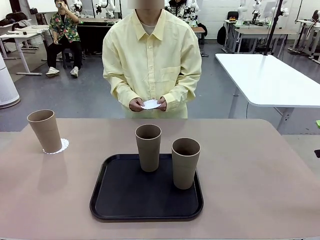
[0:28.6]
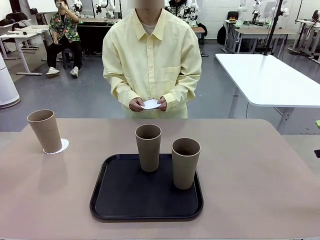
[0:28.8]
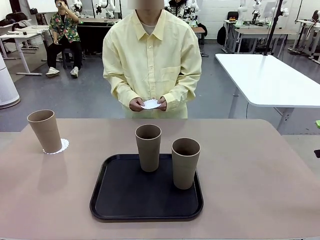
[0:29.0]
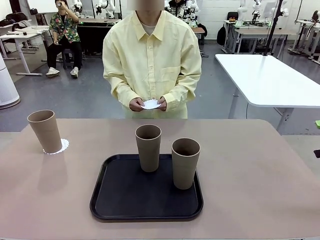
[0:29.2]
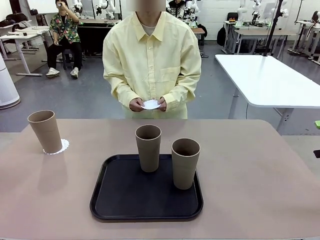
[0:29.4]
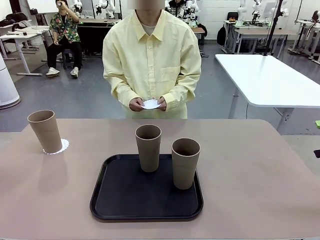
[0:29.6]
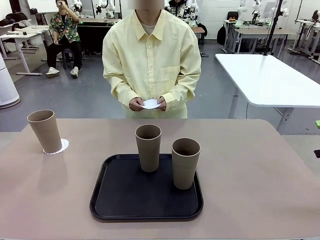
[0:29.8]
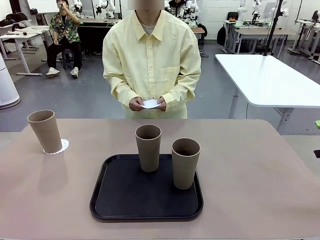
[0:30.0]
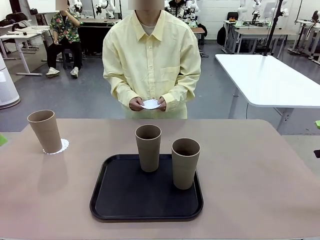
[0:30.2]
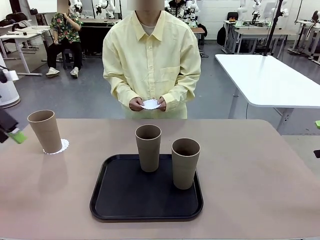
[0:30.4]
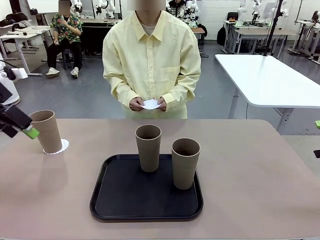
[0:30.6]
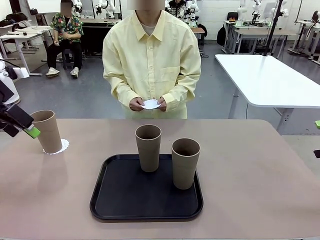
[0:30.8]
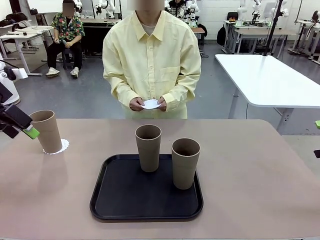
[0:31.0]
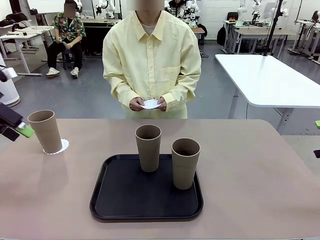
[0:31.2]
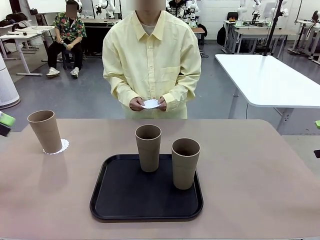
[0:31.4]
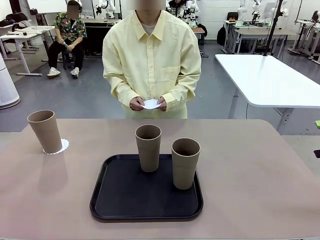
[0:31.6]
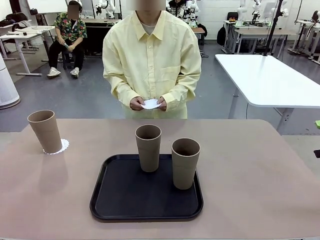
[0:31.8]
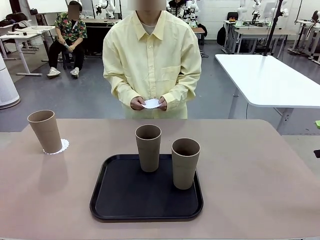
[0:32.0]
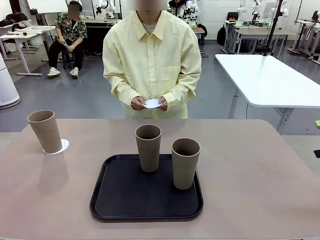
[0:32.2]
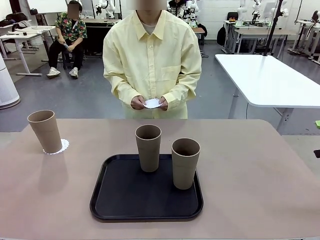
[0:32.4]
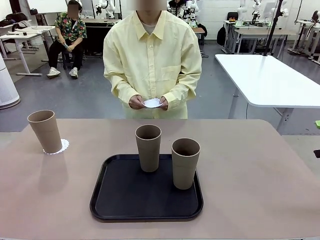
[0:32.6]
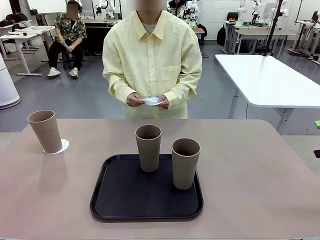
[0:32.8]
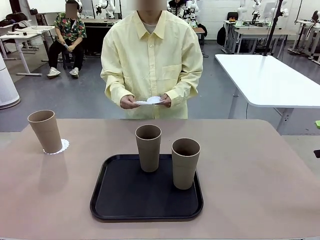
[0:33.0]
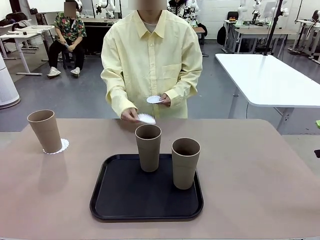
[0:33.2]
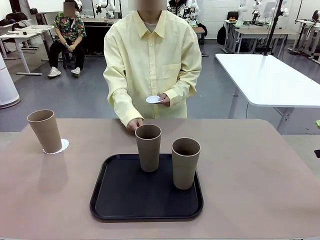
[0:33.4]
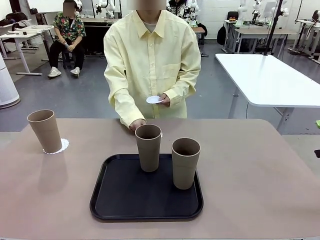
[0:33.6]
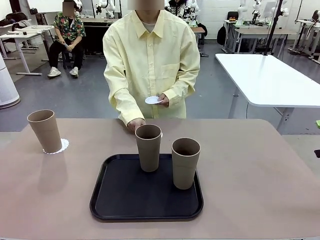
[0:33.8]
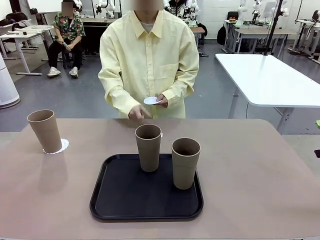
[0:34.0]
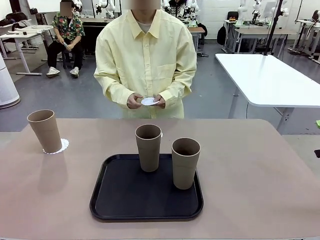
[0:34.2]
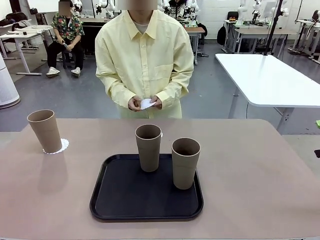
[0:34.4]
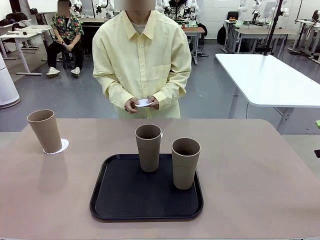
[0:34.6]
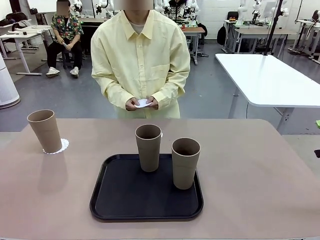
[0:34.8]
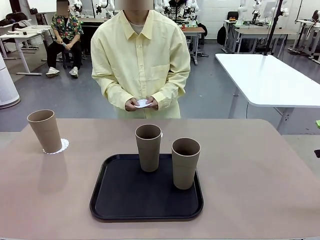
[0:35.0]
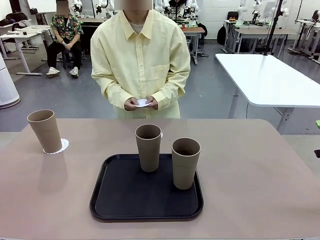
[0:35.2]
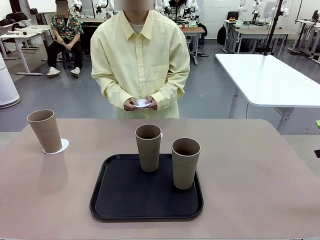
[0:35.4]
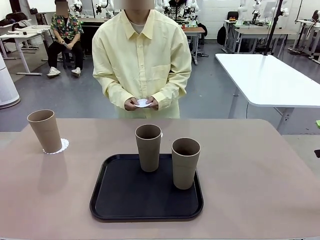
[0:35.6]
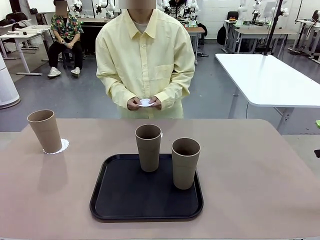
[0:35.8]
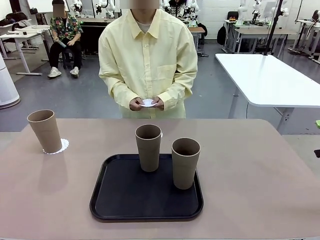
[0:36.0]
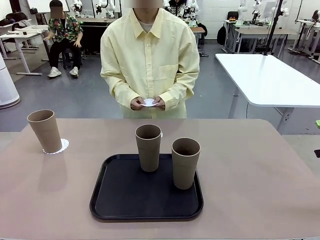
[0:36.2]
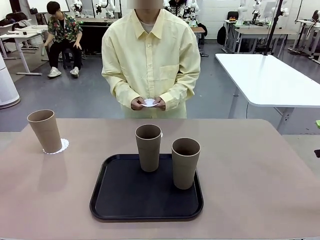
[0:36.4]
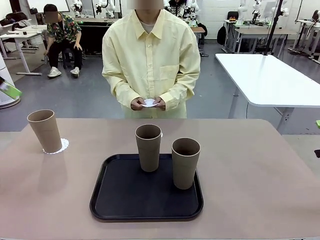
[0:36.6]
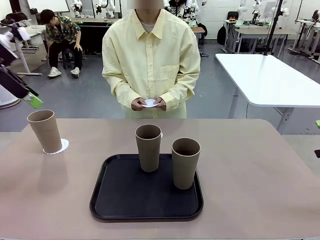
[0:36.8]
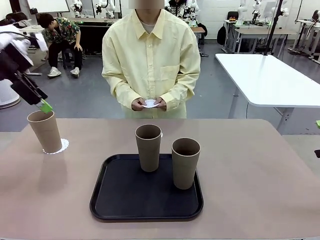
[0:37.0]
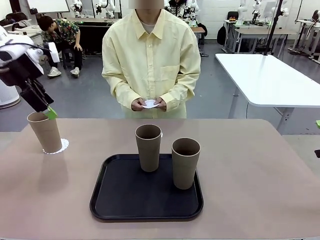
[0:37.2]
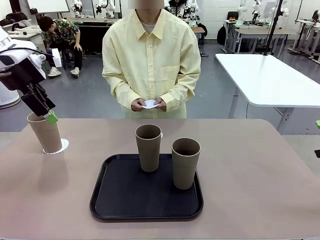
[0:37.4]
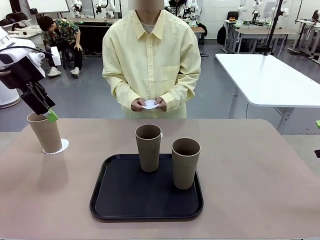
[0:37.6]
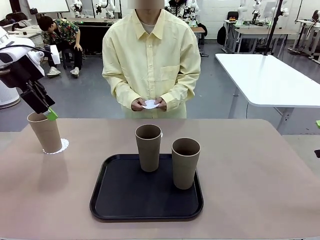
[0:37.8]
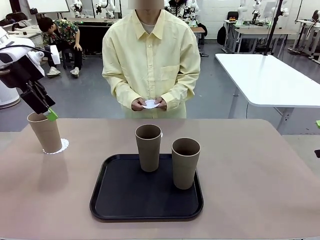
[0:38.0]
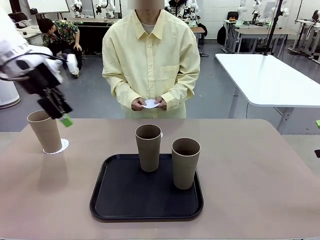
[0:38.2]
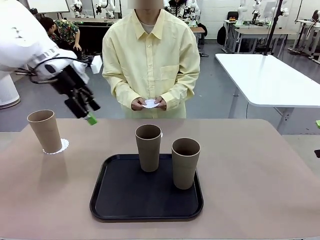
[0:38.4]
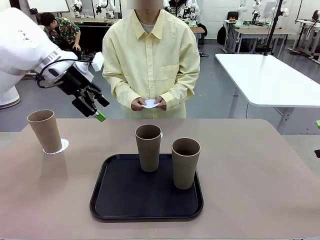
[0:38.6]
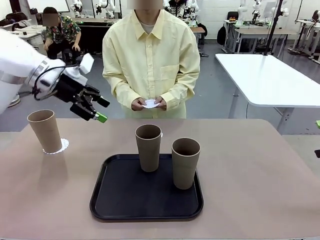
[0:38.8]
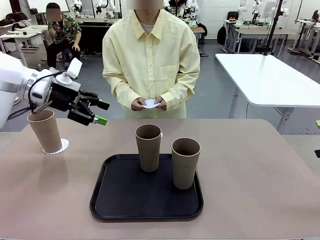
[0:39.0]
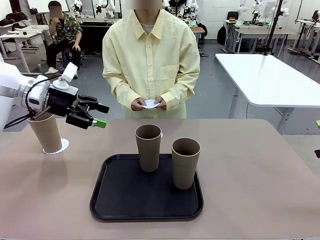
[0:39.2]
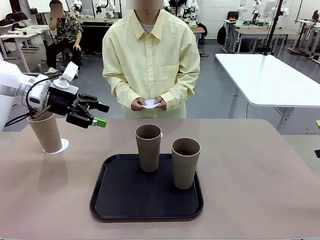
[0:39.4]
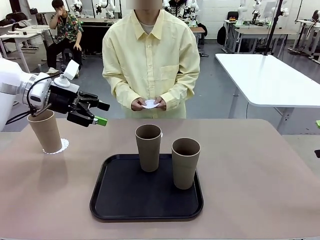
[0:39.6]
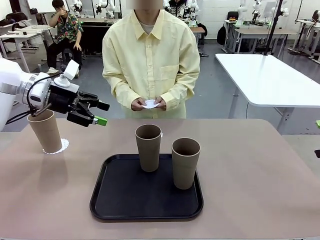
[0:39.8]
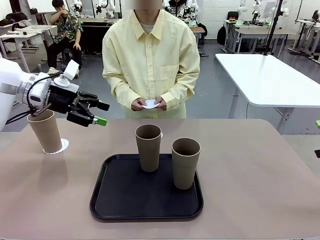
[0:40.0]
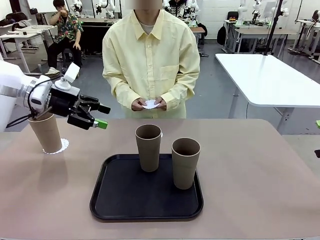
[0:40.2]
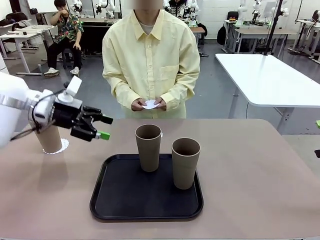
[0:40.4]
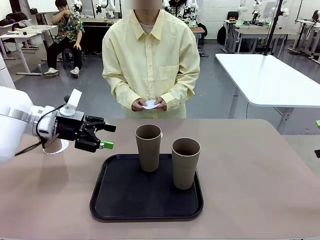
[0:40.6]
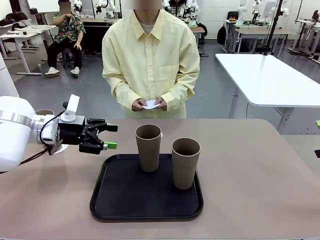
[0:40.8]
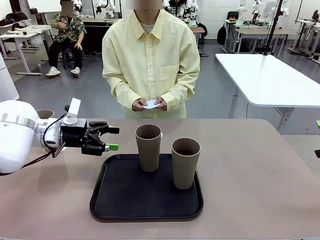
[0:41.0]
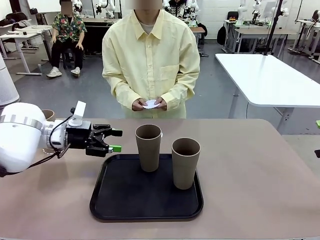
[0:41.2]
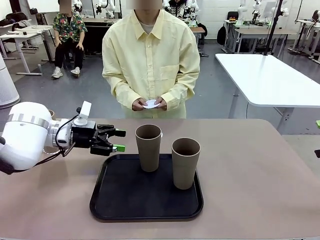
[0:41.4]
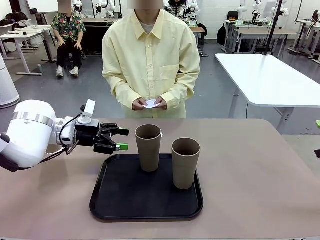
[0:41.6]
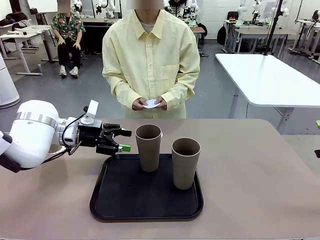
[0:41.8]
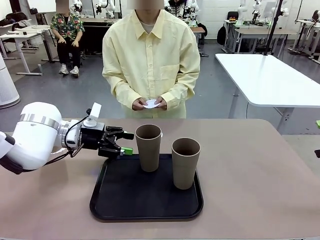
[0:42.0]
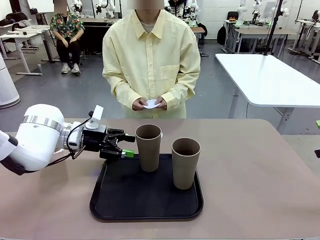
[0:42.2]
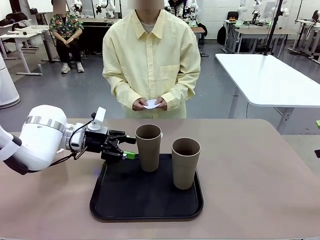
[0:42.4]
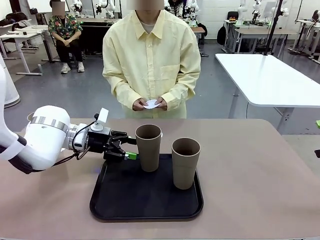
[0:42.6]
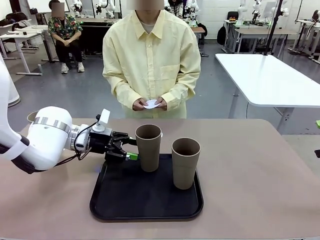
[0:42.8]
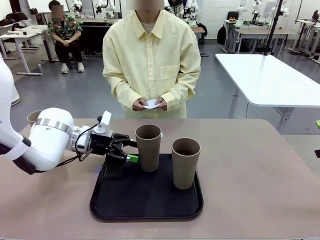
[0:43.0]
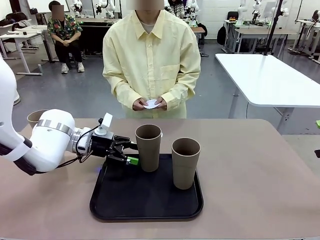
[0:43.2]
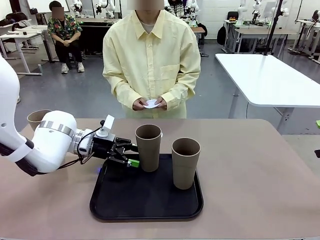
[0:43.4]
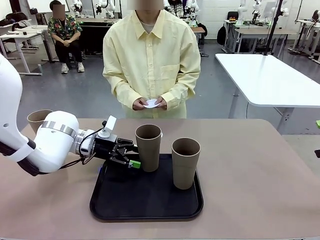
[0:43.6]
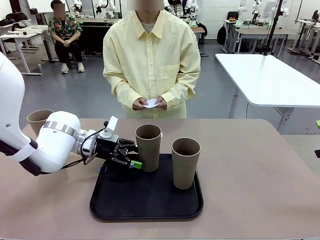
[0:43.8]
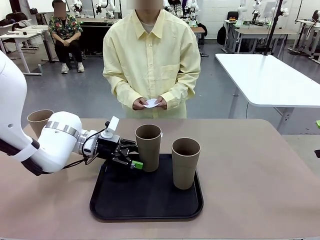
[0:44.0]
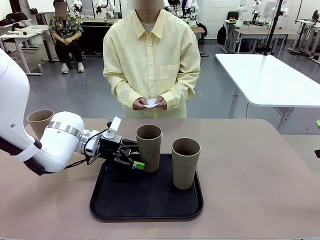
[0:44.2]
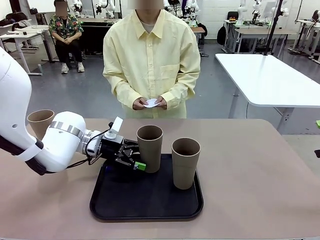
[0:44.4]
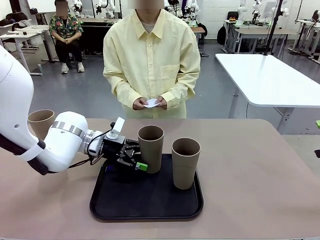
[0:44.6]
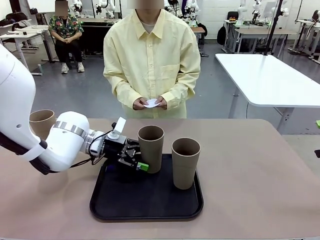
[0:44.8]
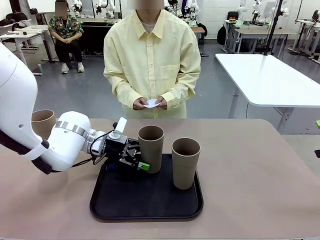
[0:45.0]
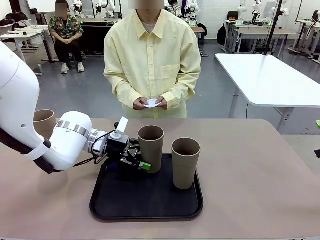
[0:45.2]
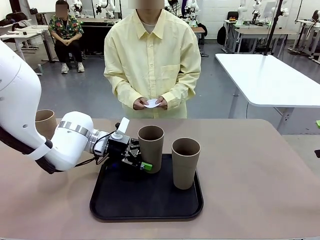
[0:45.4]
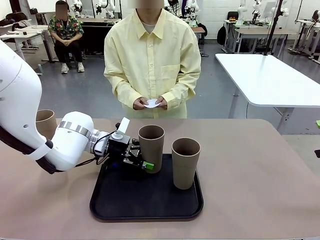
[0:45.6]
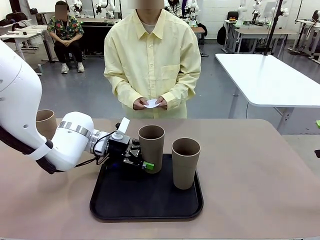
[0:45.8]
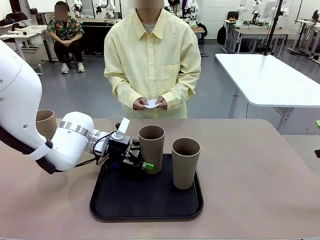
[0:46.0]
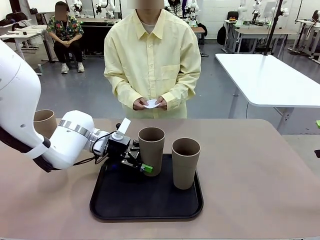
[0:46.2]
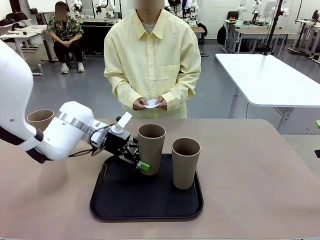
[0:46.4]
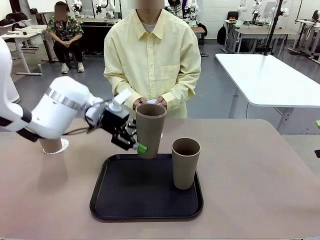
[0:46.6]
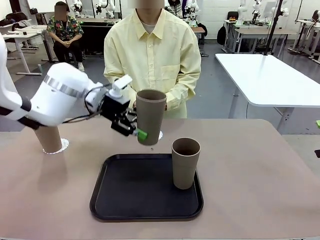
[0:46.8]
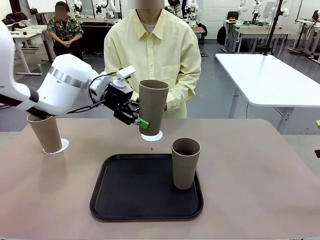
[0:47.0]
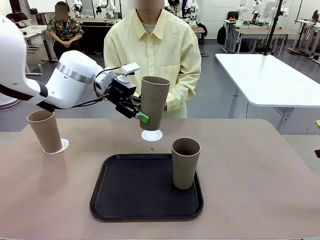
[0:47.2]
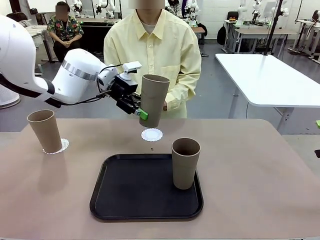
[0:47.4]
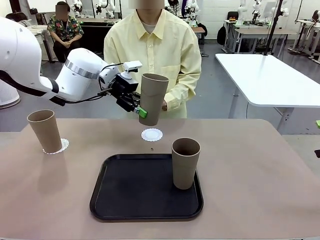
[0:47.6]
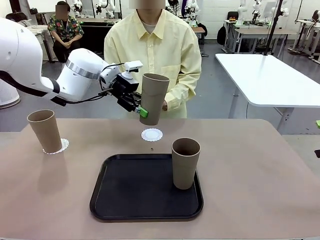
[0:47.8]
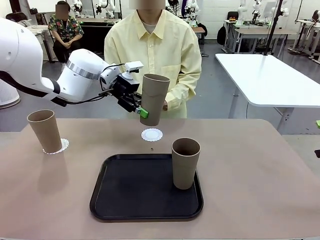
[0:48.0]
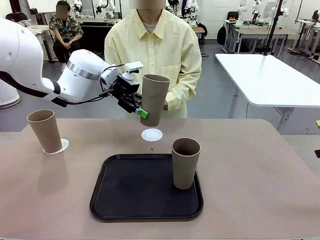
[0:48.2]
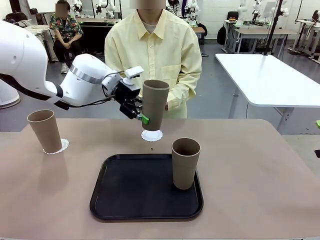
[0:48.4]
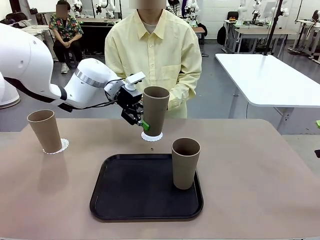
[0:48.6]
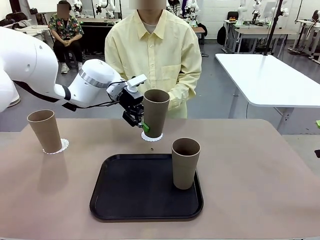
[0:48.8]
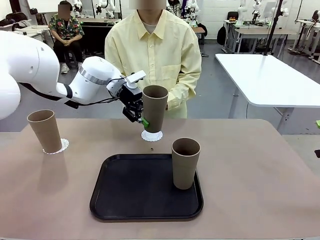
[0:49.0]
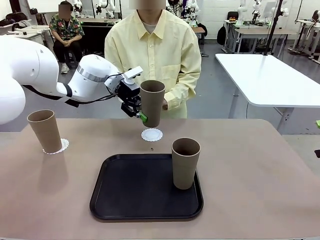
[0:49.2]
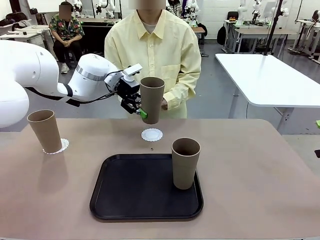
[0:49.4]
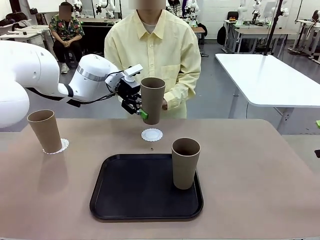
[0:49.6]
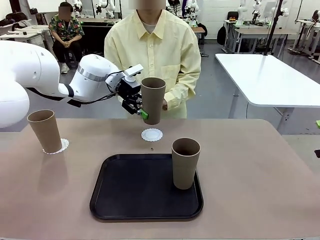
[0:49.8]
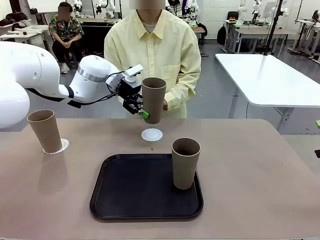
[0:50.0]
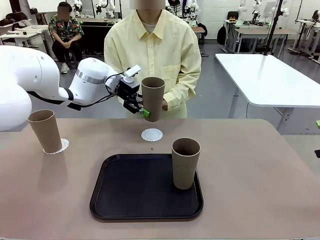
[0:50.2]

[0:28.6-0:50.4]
Task: Place coasters on the table and set cups on them.
Robot: Take one Reusable plastic cup from the Flat Tray and place it on a coaster set by the human.
